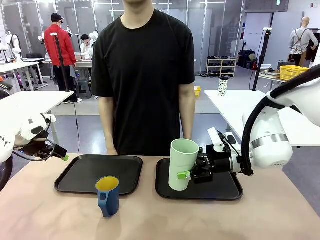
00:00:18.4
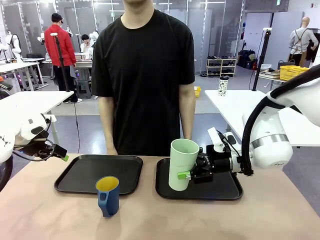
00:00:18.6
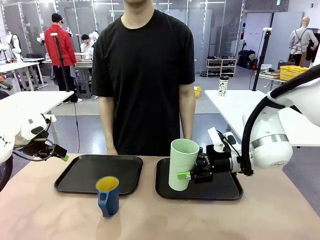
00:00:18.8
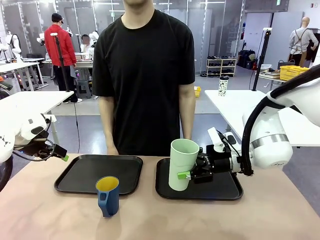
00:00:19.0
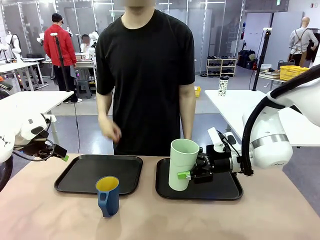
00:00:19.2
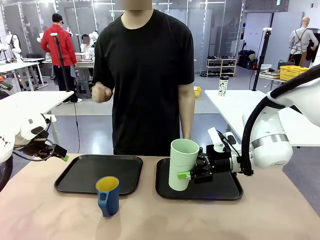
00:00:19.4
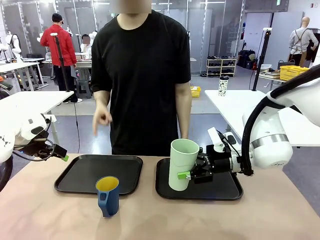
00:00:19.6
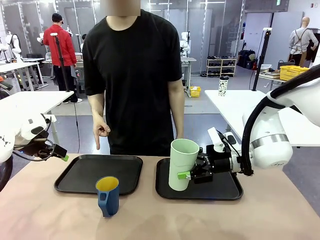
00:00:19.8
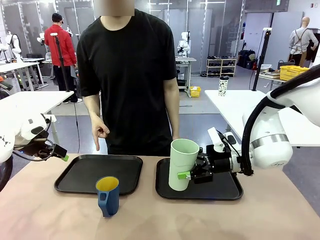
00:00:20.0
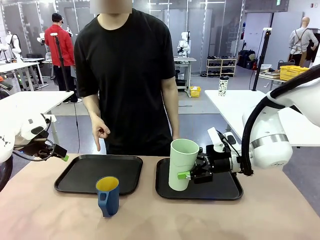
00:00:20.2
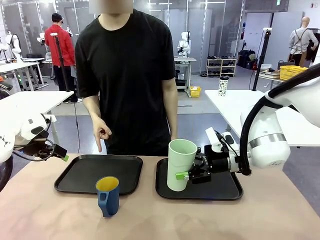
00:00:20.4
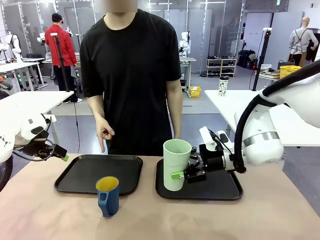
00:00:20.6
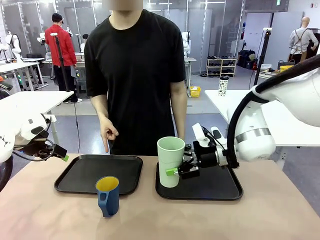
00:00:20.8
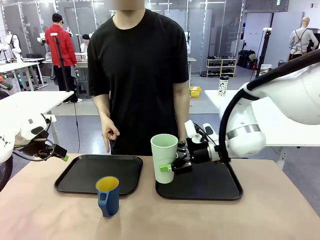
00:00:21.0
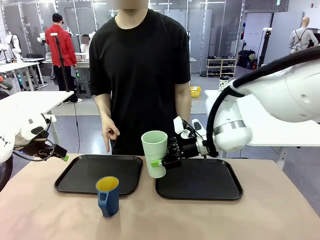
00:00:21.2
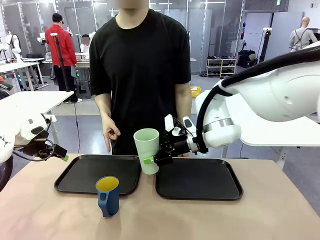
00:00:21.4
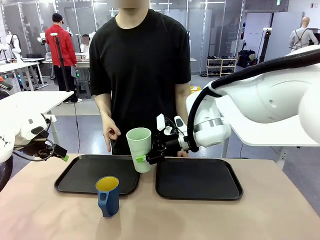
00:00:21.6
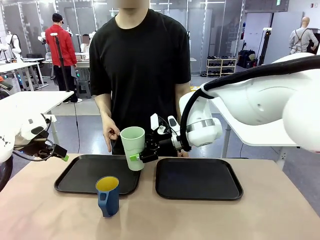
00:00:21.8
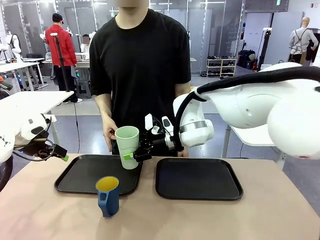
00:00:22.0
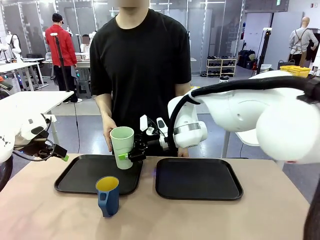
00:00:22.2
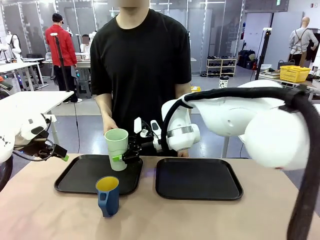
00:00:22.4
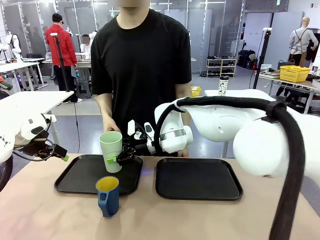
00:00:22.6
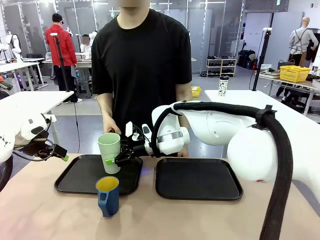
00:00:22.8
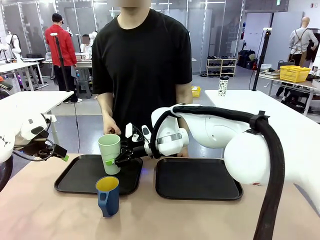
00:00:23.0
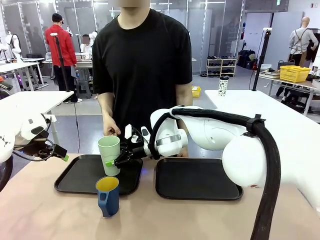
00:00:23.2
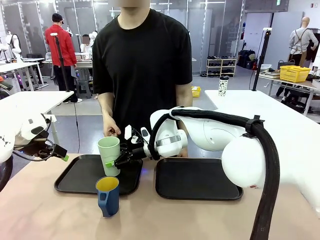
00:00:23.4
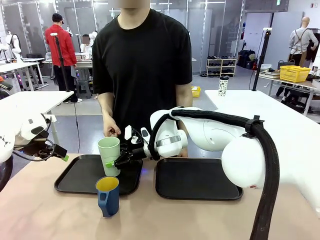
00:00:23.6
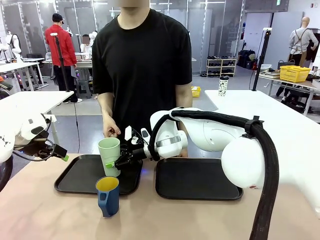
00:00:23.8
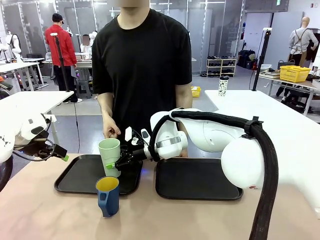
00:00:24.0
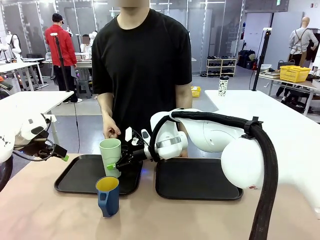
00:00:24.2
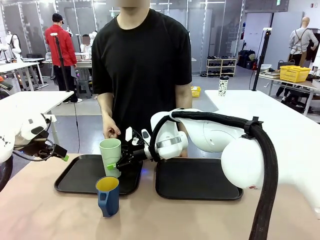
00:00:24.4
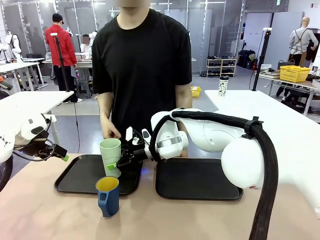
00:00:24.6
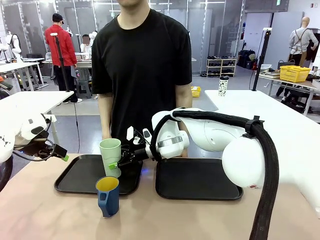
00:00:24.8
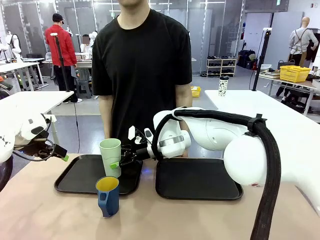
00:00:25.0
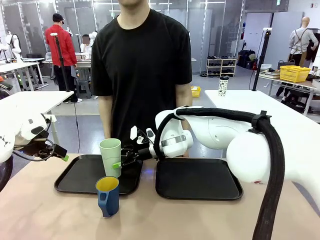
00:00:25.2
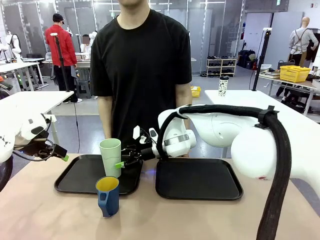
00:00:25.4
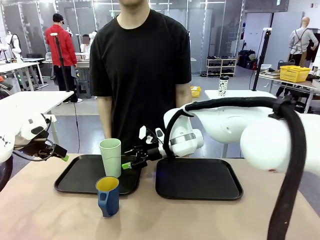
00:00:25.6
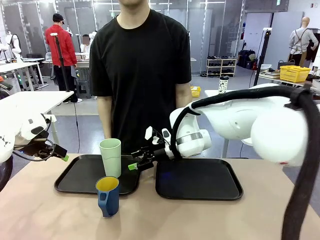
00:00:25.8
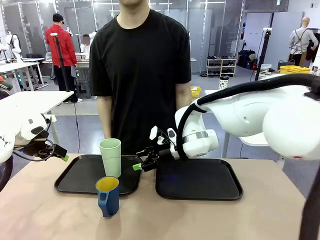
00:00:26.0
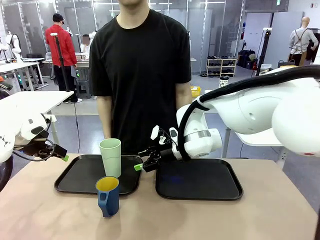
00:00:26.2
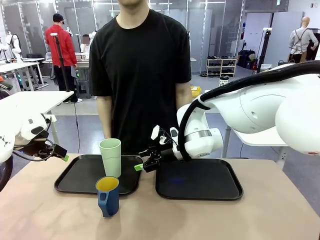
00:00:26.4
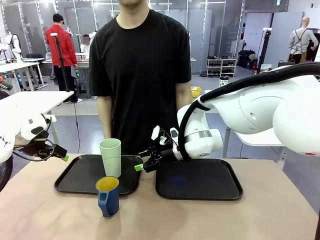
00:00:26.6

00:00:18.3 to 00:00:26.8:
Task: Sort and store the cups by type.
Robot: Place the picked Reusable plastic cup into the Flat Tray indicated by the person.

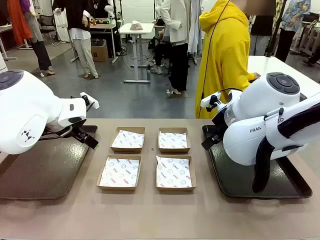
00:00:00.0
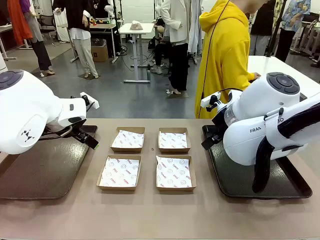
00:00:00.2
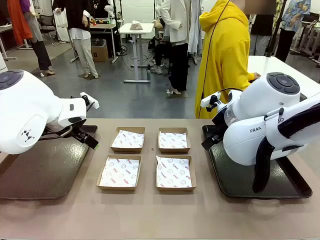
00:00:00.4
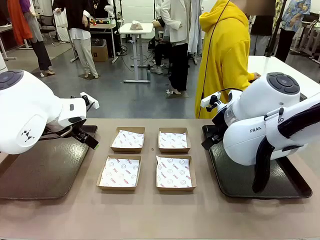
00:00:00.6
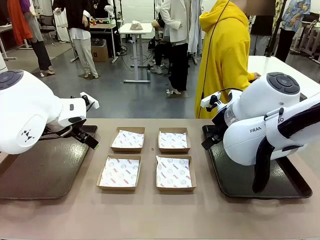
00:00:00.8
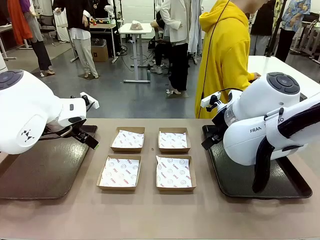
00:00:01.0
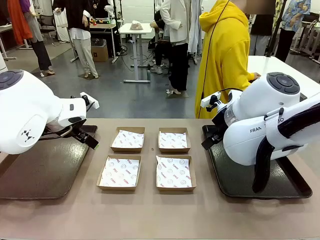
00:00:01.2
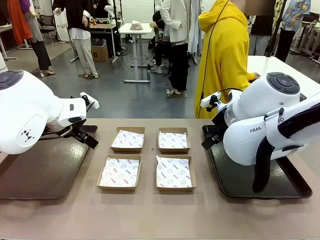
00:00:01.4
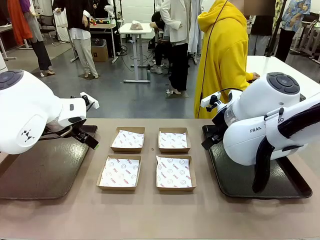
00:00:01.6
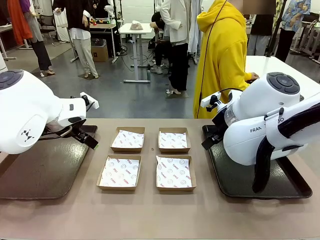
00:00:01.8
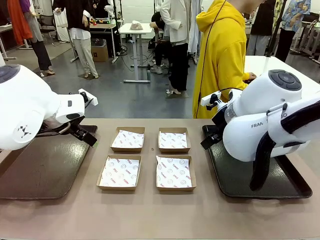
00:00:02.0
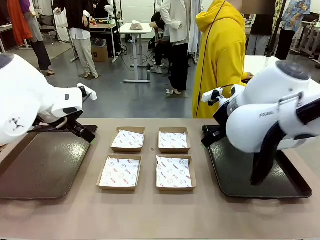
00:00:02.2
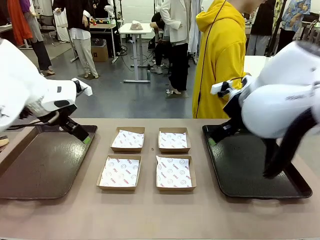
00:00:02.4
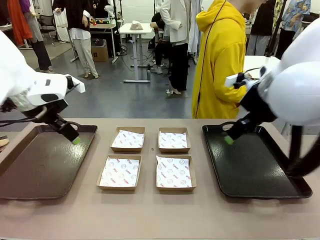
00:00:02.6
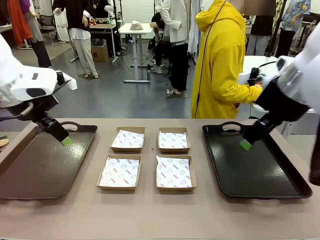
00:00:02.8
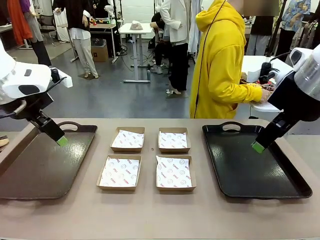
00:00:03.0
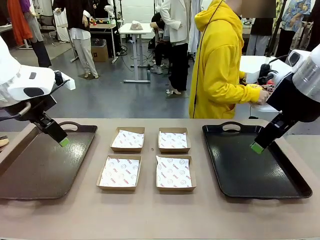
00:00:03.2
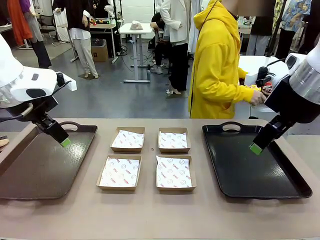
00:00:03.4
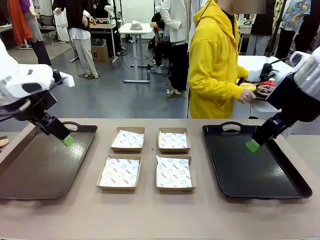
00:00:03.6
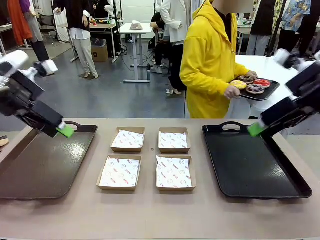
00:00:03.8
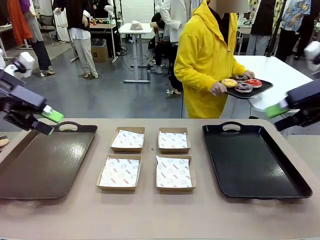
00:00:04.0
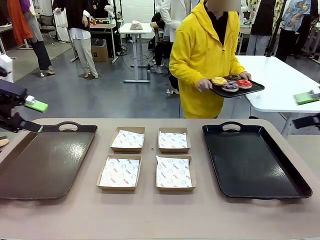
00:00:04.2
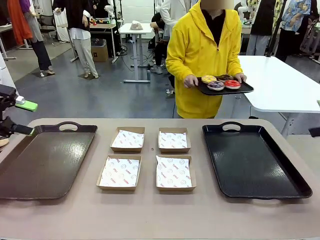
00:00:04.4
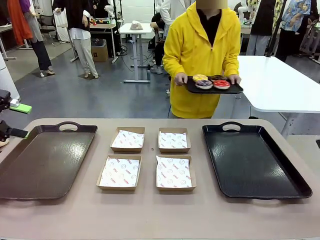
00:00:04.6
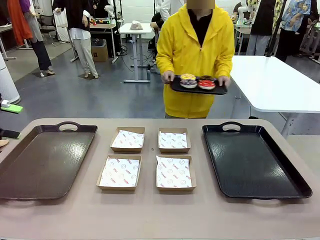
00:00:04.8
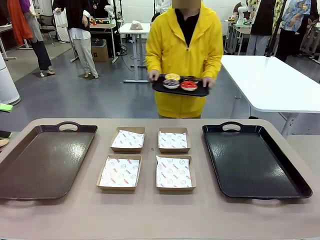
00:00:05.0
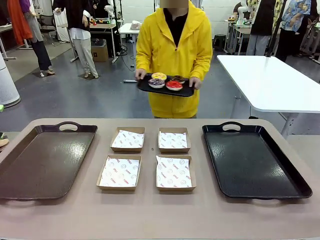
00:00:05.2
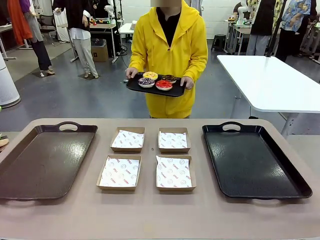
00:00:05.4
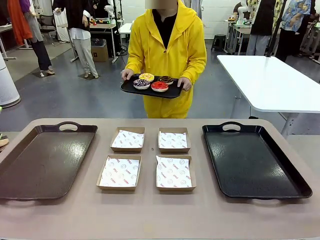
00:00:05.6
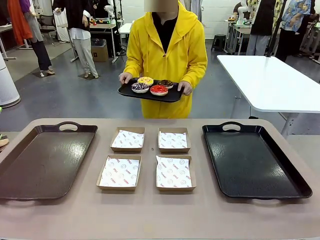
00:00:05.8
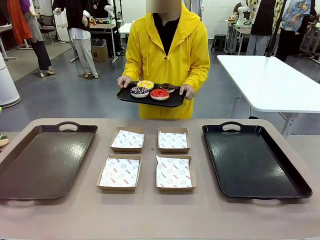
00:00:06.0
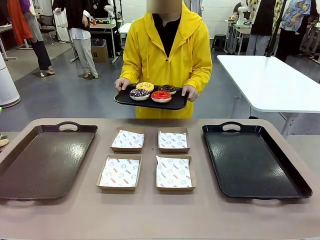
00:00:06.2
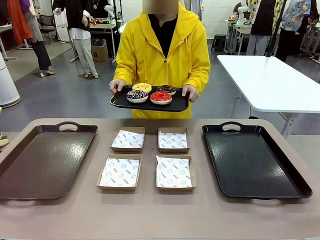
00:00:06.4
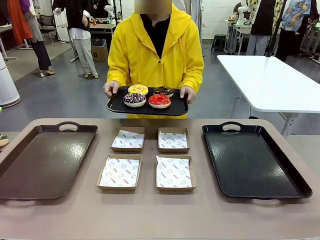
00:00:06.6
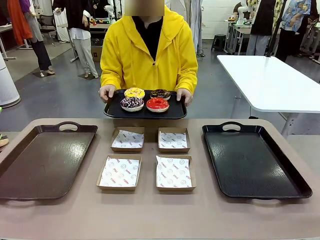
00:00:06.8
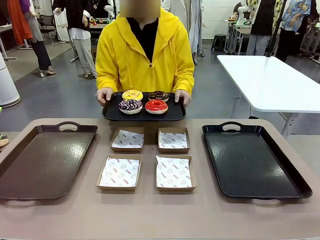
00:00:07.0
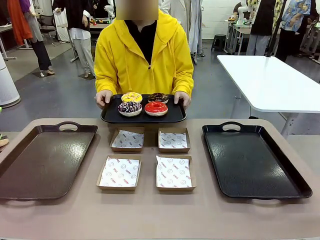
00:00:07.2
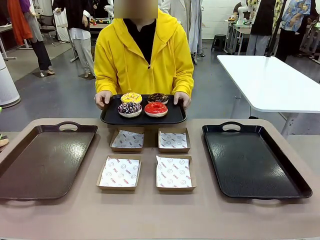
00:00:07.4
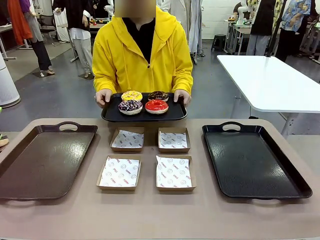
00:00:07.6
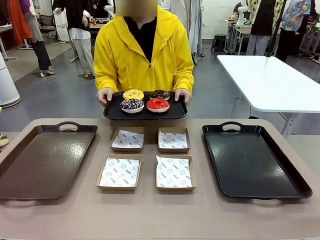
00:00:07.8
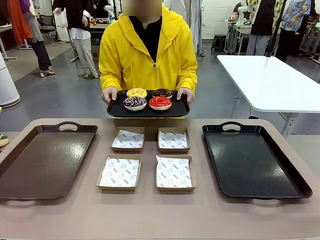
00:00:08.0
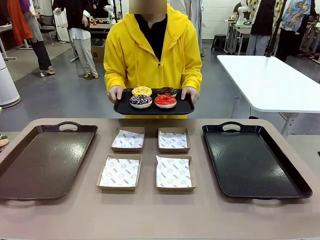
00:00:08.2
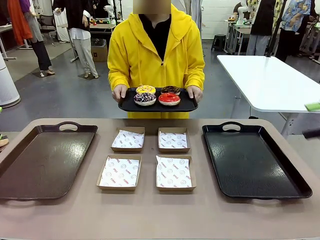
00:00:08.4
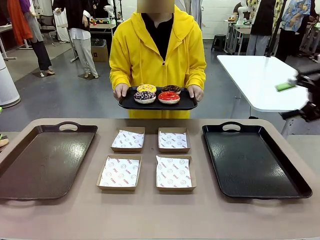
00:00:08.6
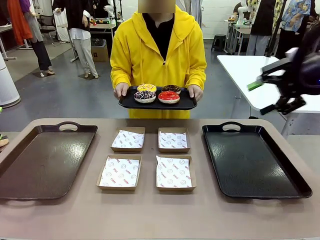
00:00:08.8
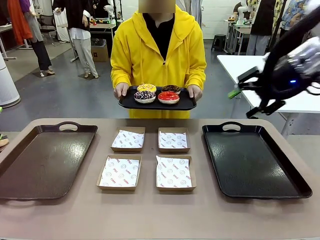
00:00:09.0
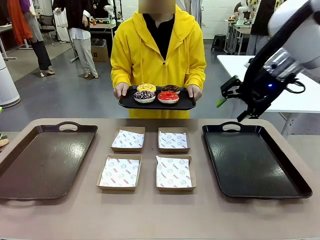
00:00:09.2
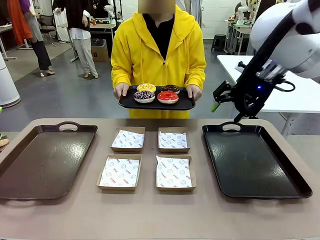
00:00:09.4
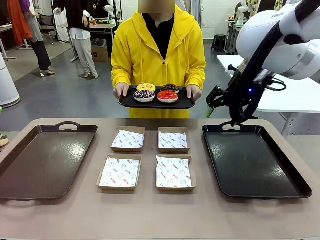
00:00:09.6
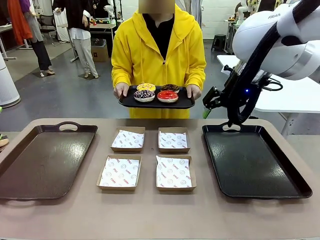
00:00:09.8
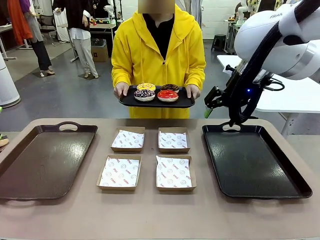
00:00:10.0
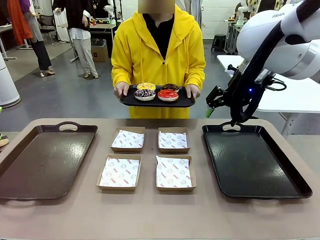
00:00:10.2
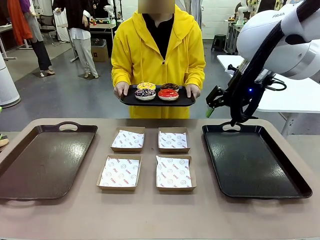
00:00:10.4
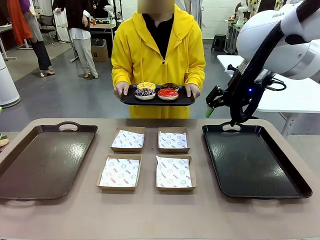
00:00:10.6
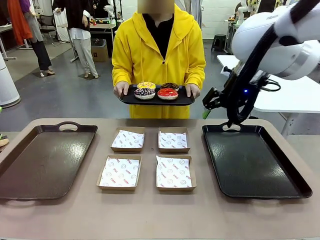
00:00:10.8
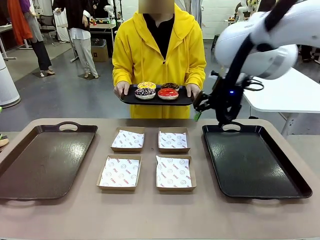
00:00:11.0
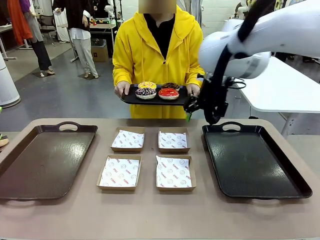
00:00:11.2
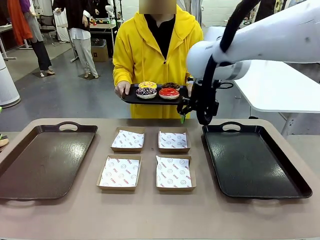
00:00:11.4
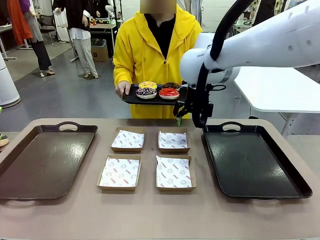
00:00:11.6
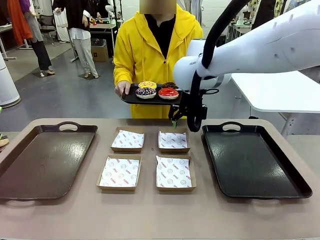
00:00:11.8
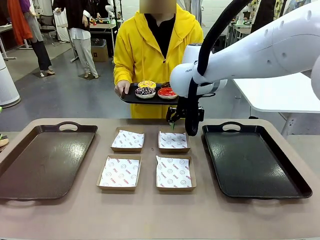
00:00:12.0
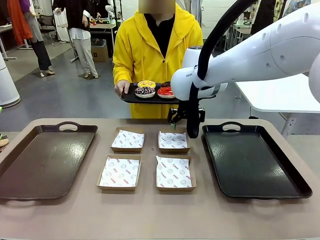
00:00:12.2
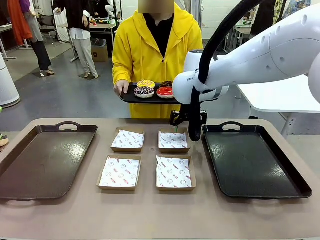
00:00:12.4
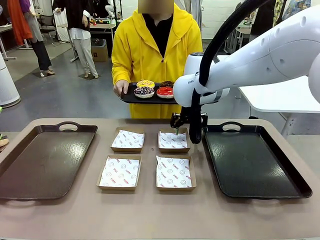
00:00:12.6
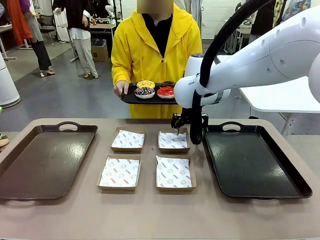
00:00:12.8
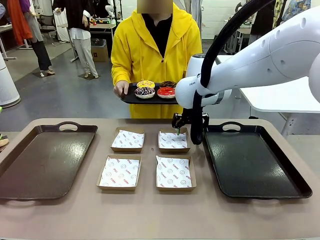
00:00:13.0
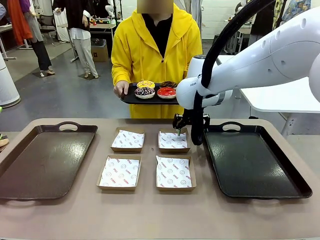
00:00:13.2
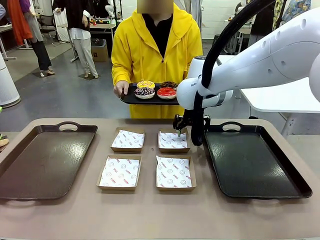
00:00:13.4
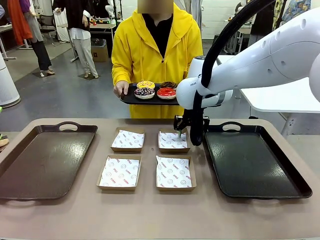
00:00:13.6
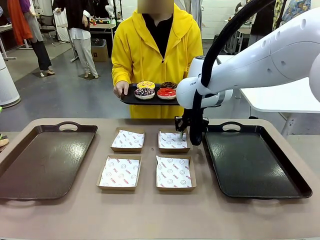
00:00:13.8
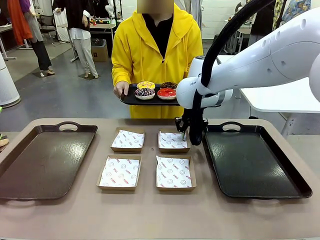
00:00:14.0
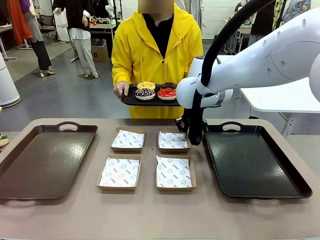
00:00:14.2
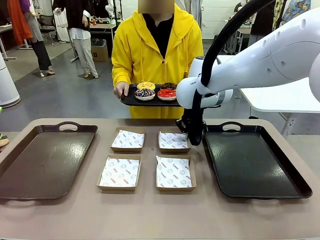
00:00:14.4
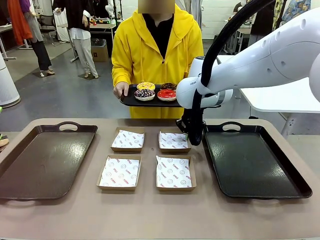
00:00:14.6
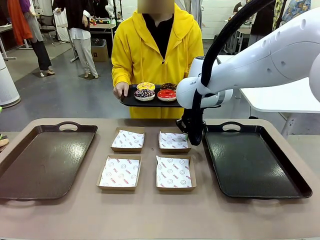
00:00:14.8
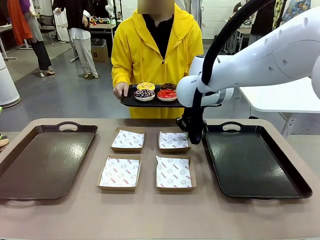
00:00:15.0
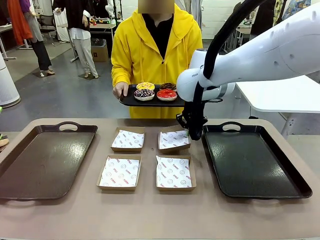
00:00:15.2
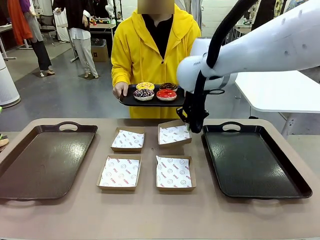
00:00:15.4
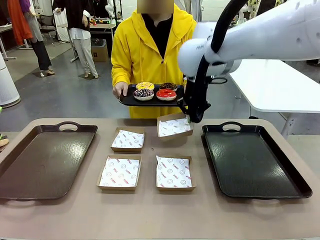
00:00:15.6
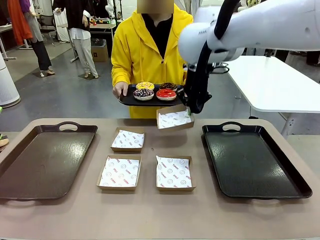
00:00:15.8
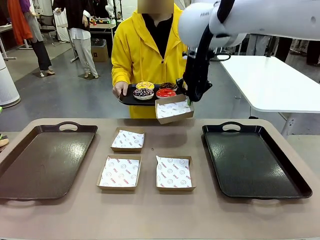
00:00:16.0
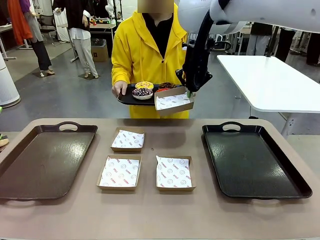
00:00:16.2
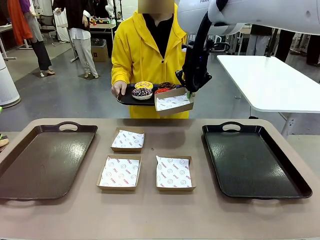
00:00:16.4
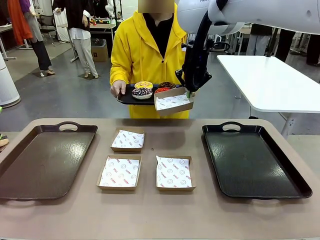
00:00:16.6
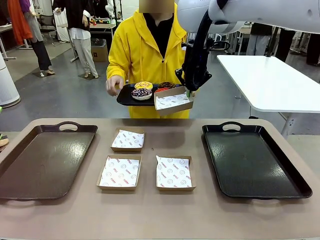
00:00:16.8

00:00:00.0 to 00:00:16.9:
Task: Individually package the donuts and arrange them on the tray.
Robot: Pick up one Paper togo box.
Person: Stand in front of the robot table holding the tray containing the donuts.
